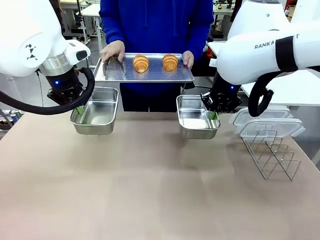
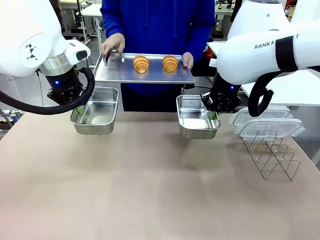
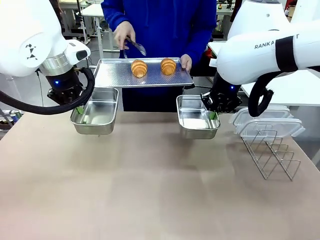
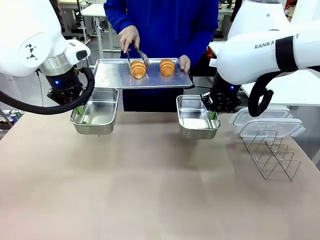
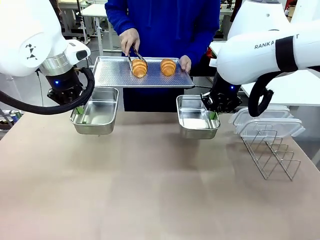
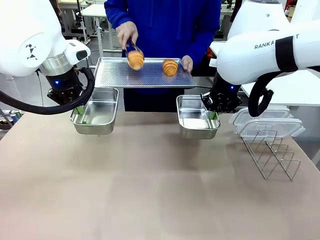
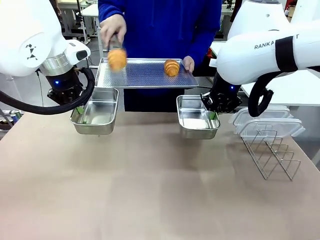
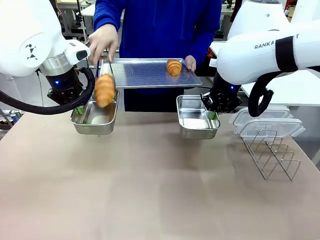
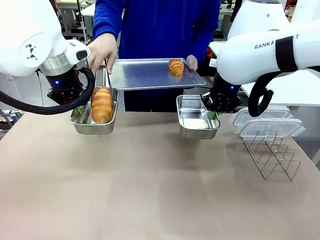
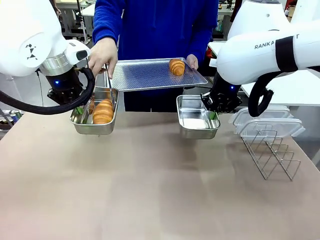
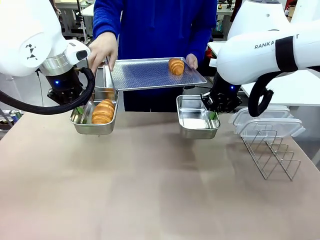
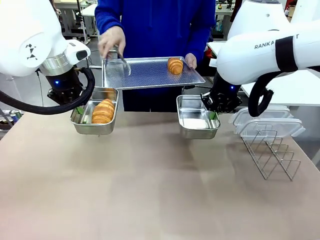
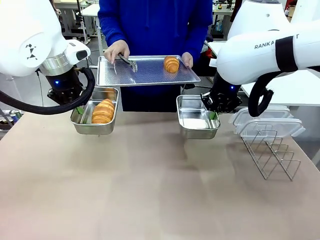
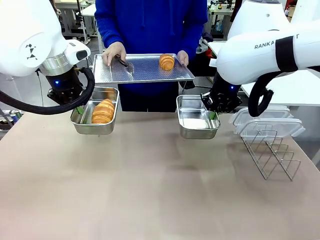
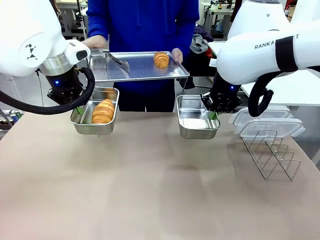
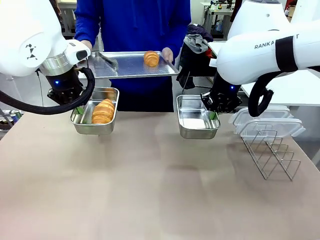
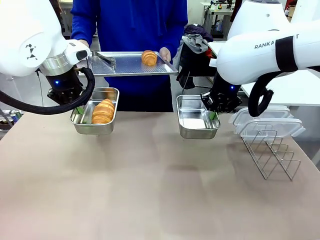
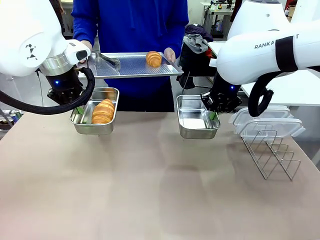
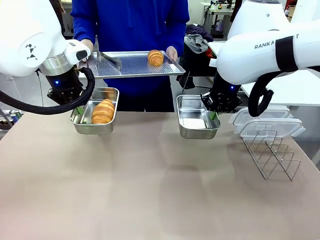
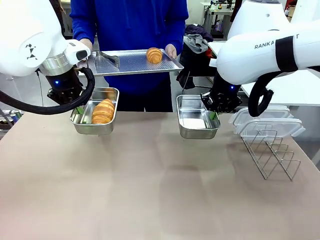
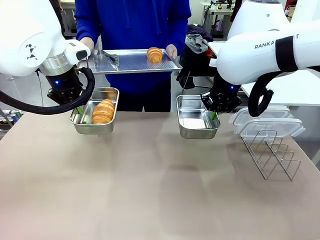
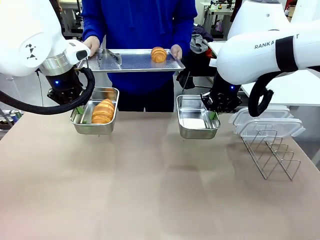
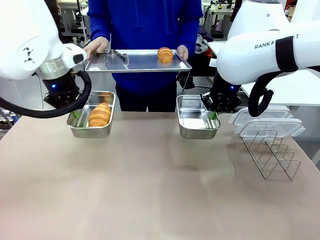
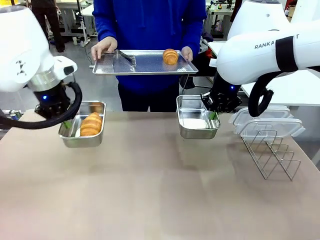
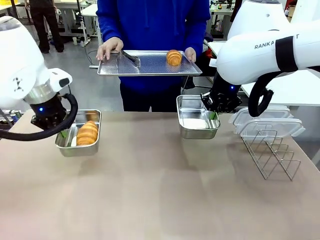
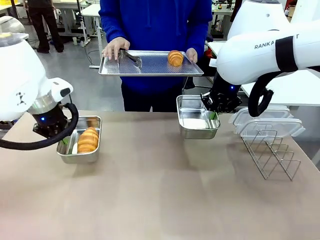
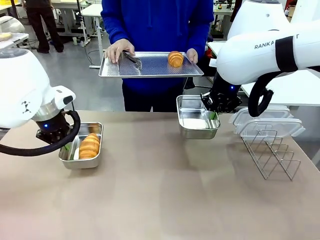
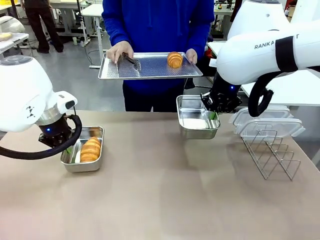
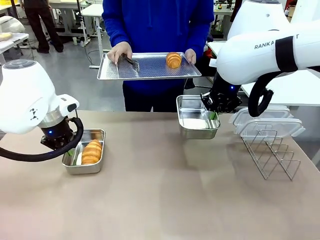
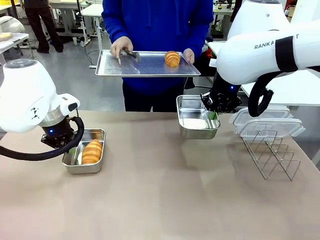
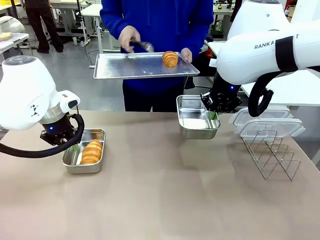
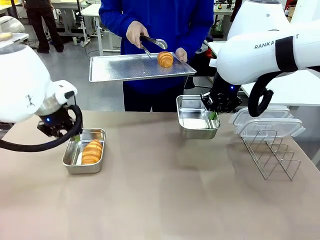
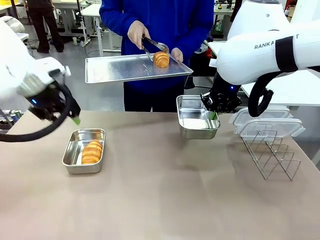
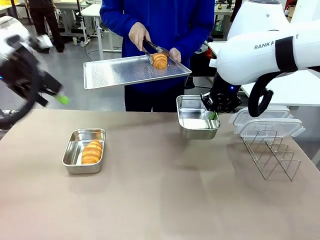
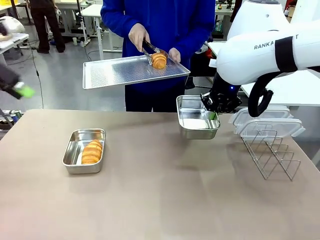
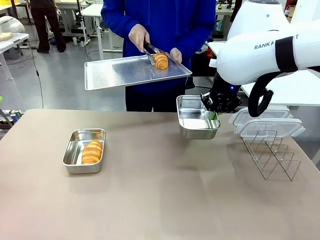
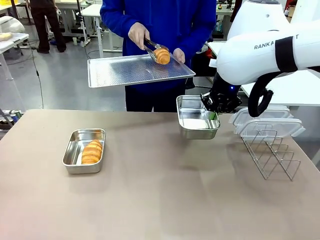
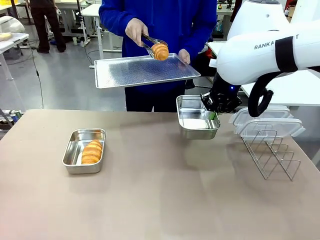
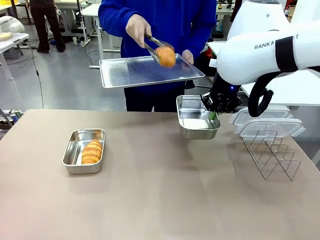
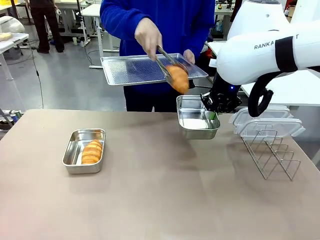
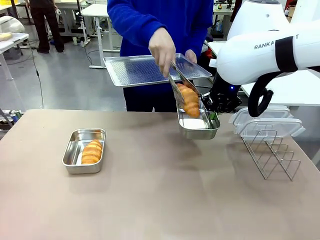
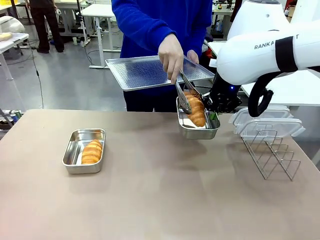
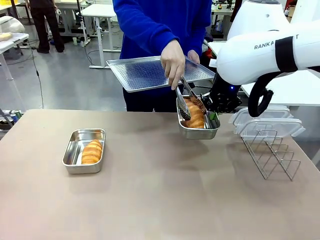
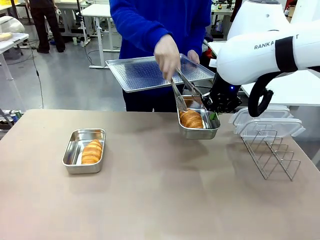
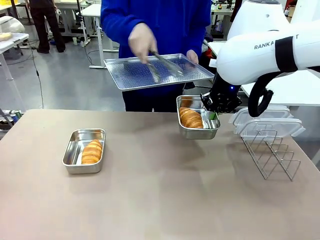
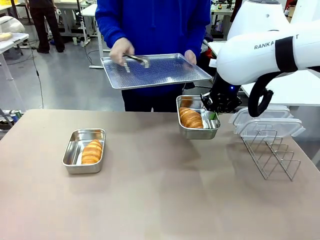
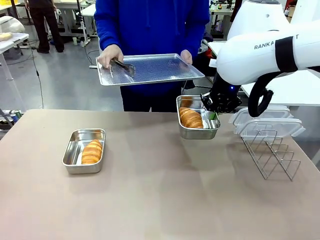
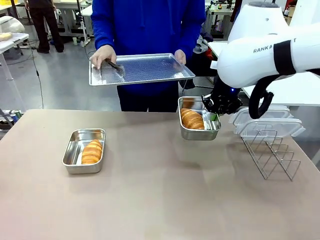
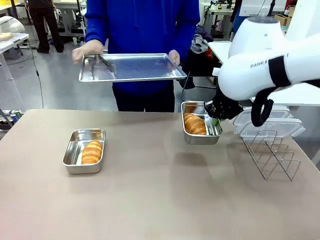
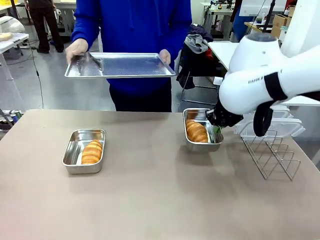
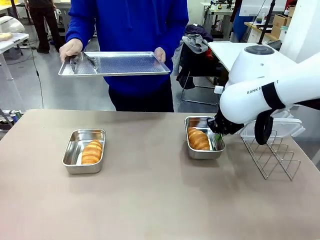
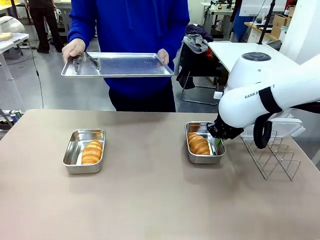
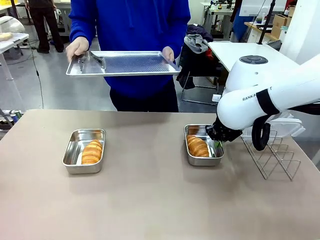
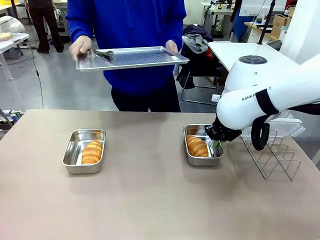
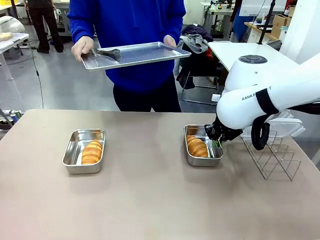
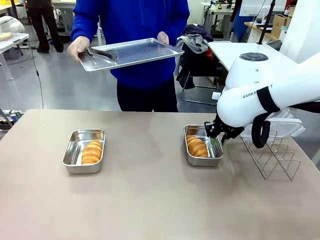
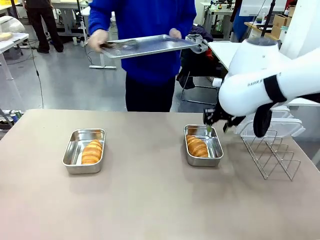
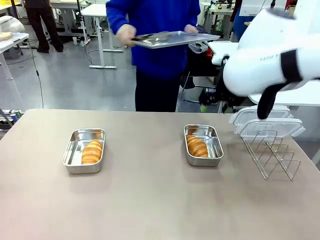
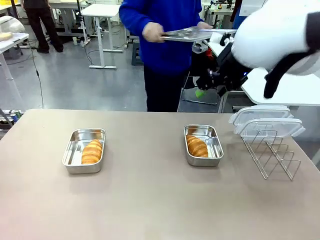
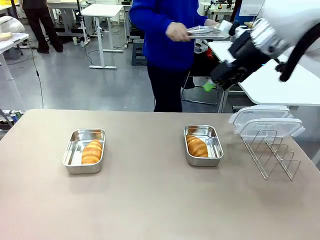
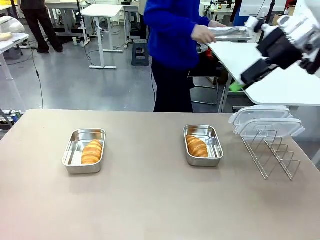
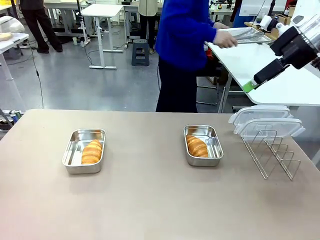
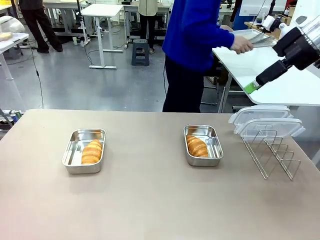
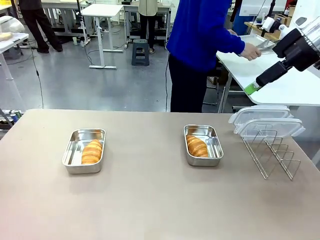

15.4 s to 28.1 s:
Task: Place the bread in airtight containers.
Robot: Once an object is inside an Airtight Container , place the container in the center of the table.
Person: Use the Stainless steel tongs to place one object from Baking Sheet into one Airtight Container.

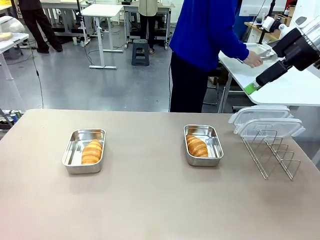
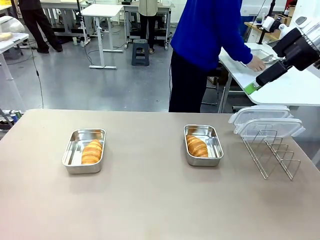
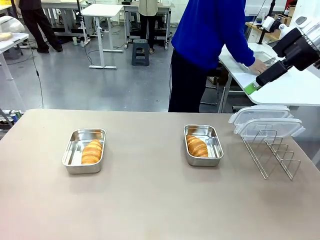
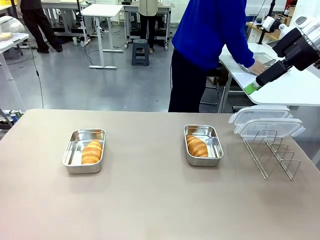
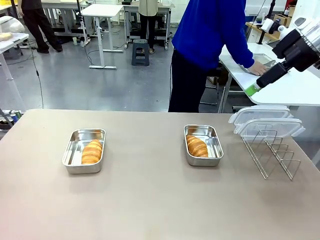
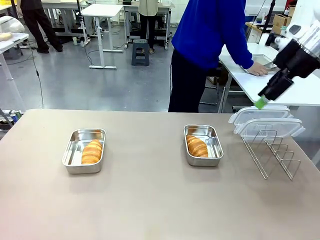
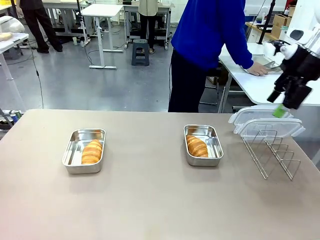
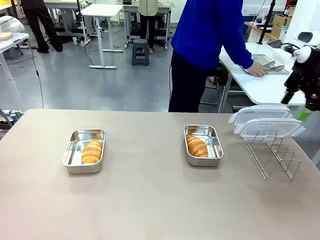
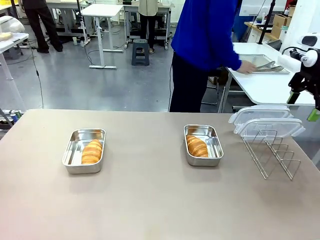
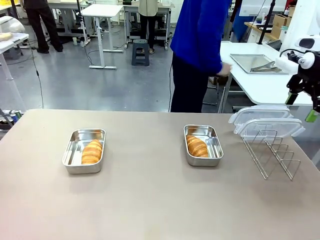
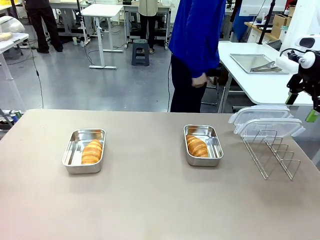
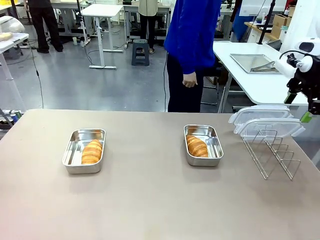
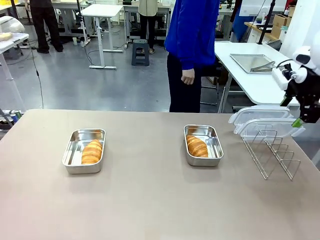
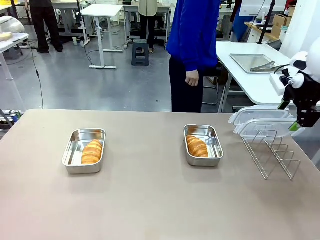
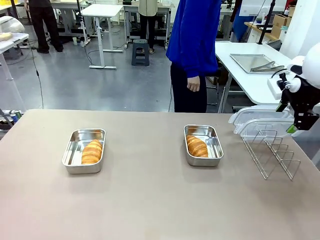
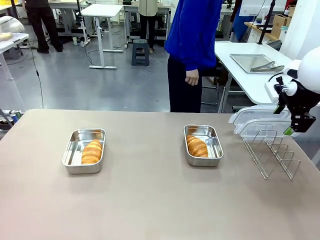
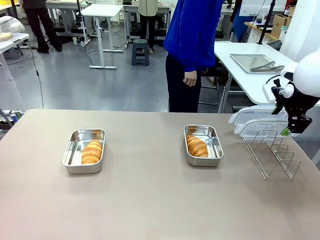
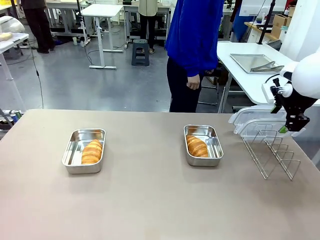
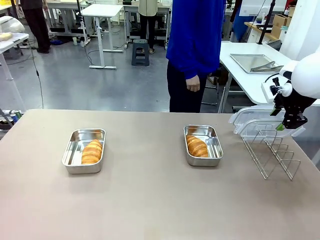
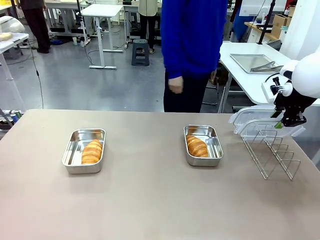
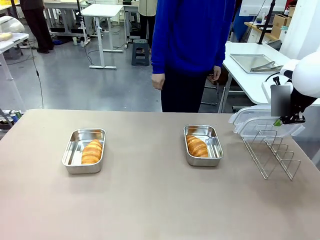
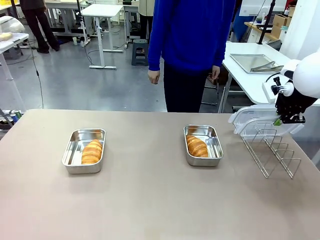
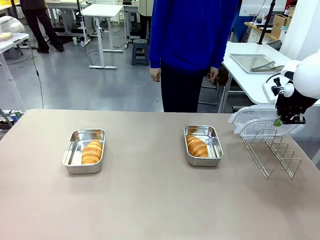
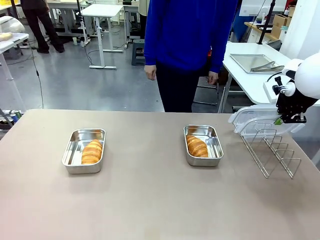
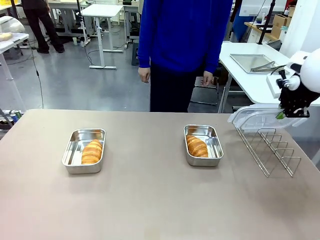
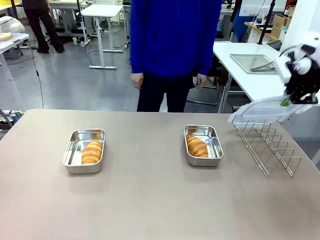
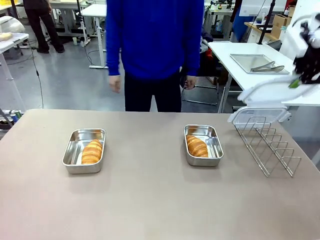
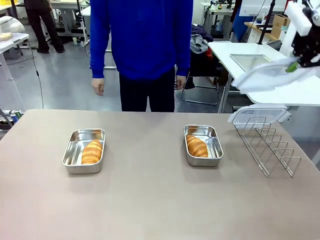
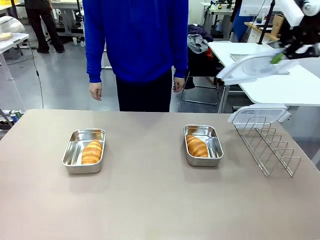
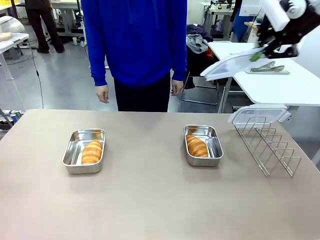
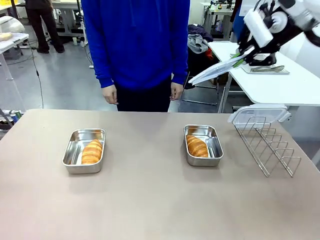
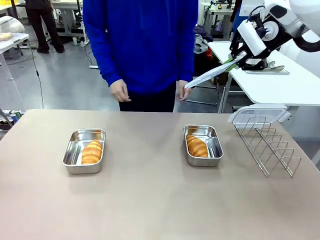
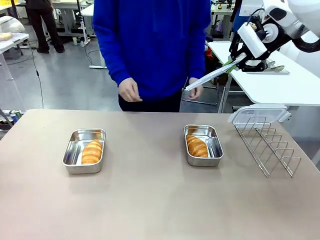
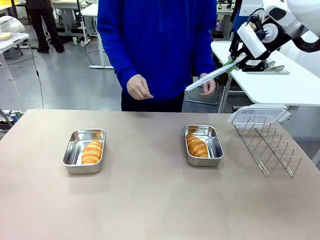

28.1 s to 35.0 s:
Robot: Pick up one Airtight Container lid and hand it to the human.
Person: Place Baking Sheet on the Human's Table. Grip Airtight Container lid that robot is handing.

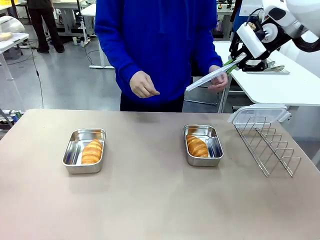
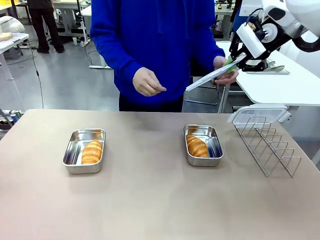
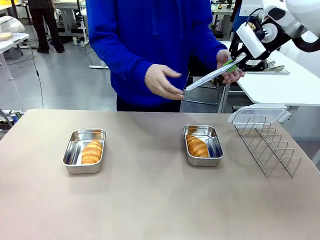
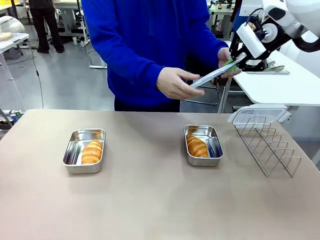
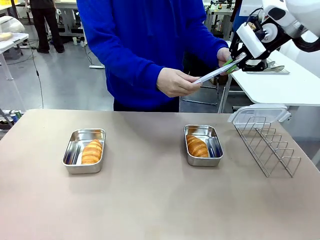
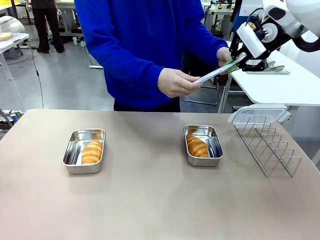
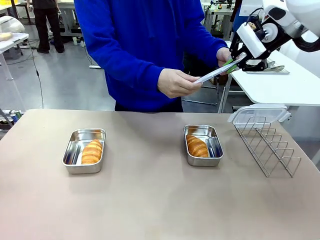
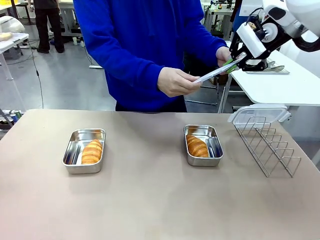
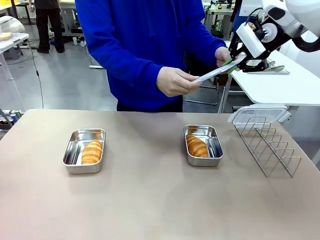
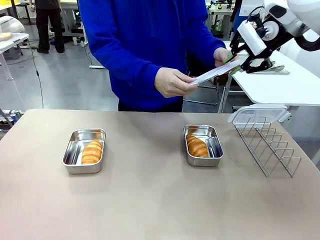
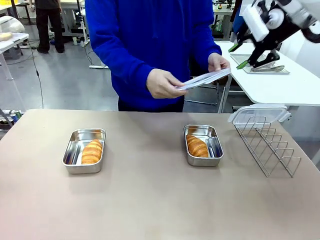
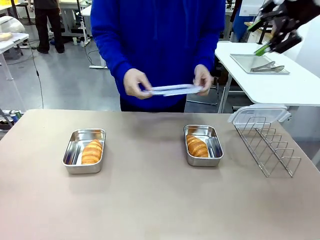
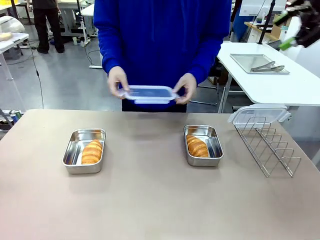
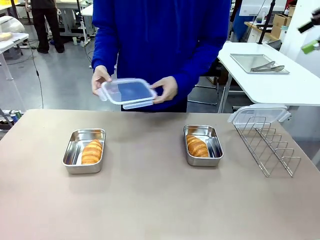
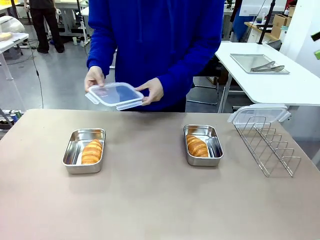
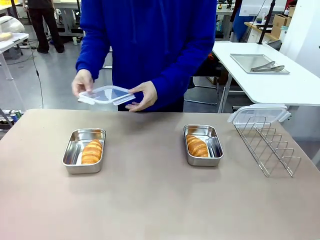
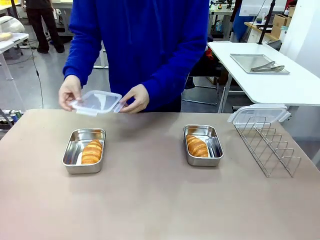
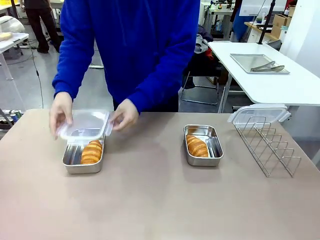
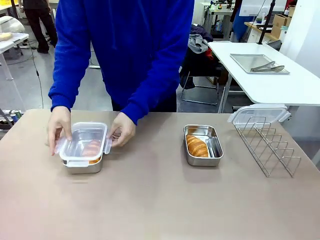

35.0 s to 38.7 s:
Robot: Release when the human grabs the Airtight Container lid.
